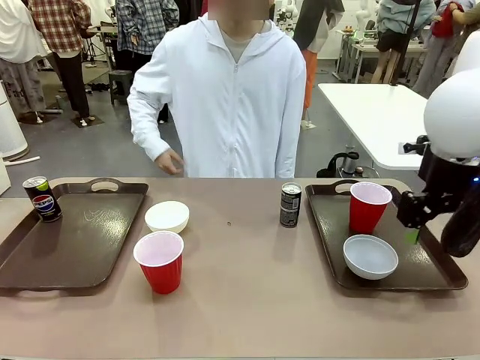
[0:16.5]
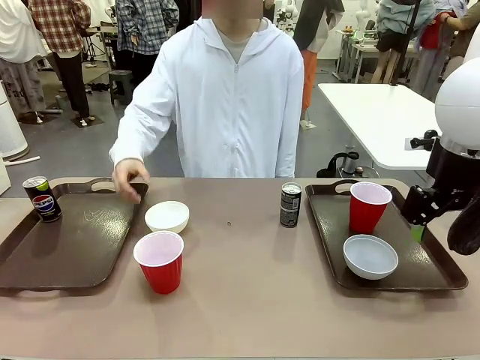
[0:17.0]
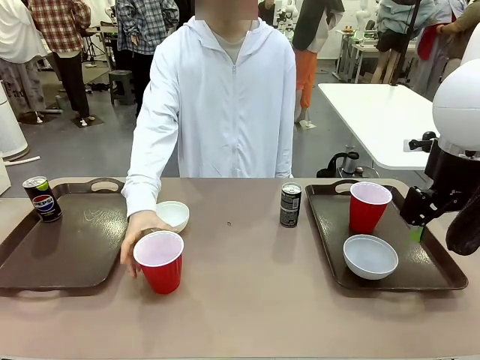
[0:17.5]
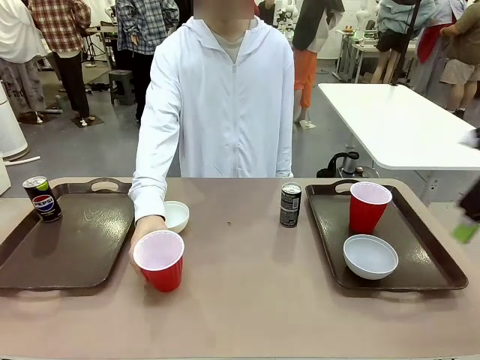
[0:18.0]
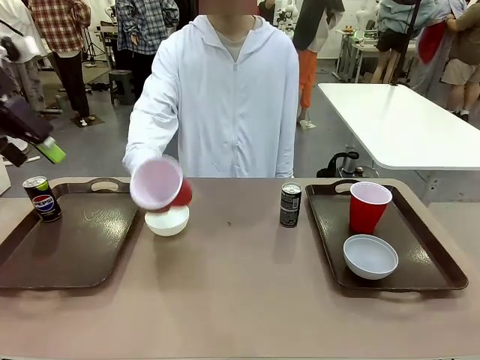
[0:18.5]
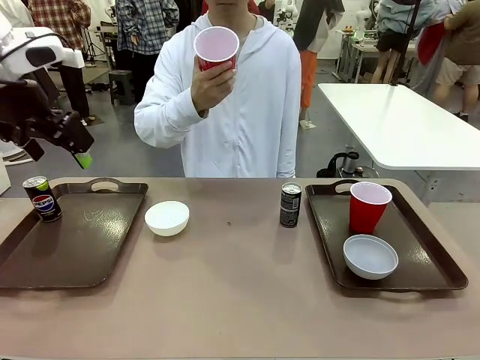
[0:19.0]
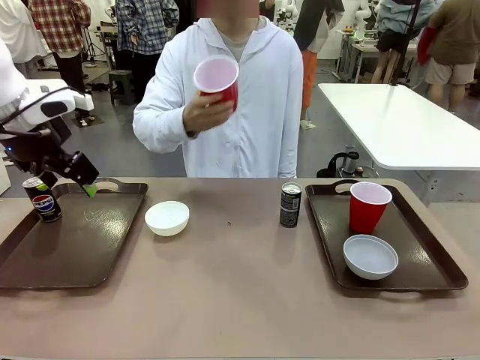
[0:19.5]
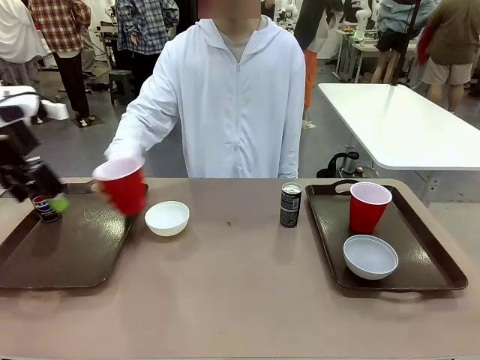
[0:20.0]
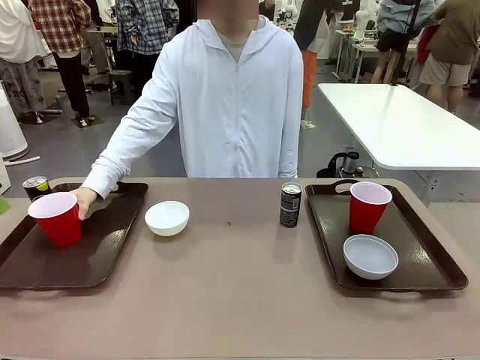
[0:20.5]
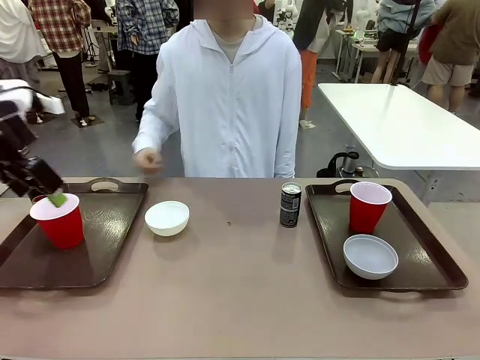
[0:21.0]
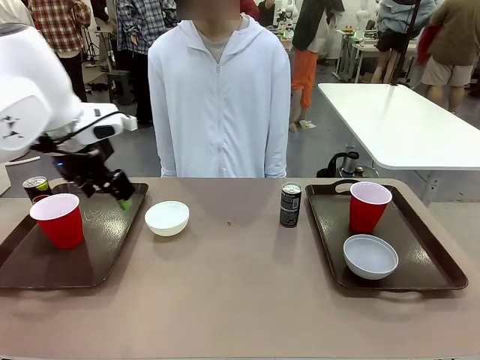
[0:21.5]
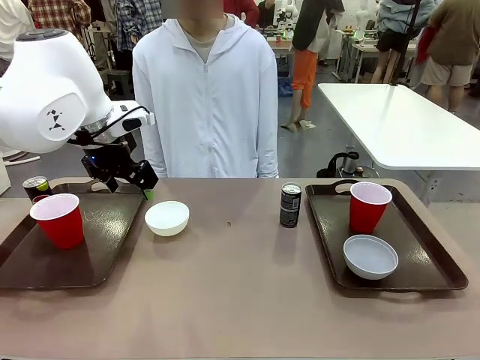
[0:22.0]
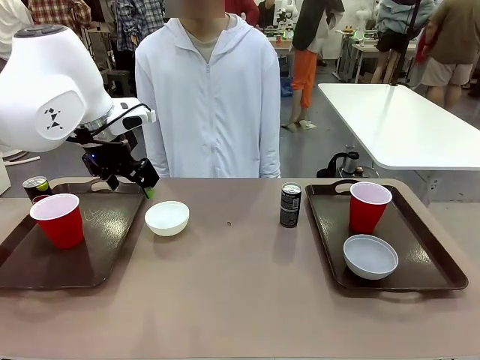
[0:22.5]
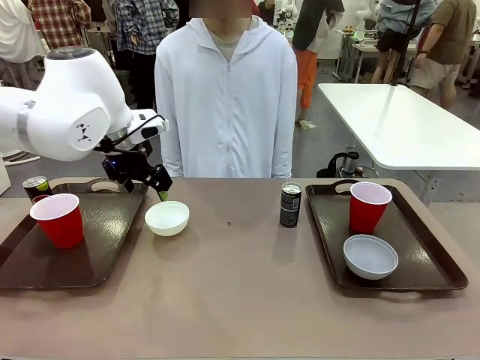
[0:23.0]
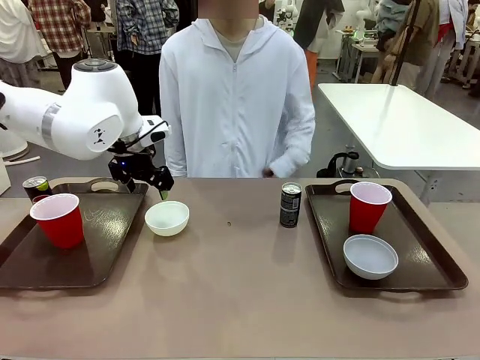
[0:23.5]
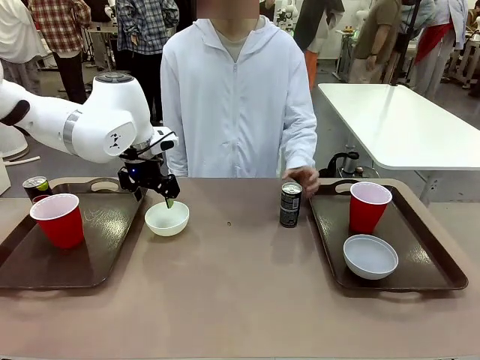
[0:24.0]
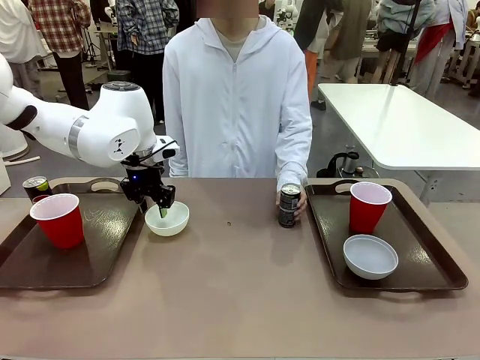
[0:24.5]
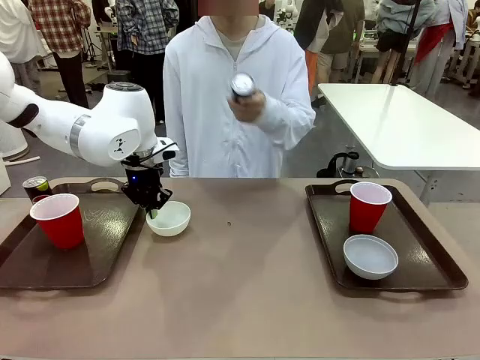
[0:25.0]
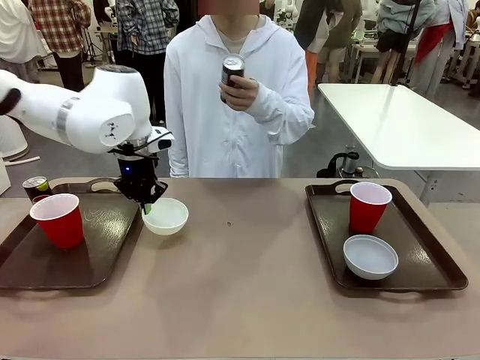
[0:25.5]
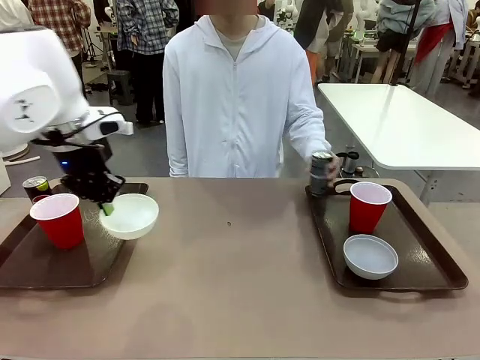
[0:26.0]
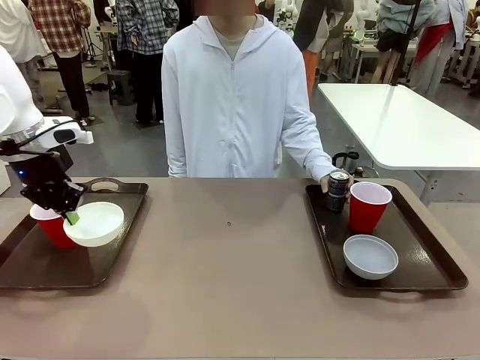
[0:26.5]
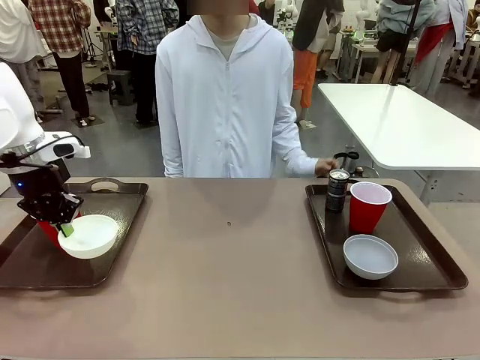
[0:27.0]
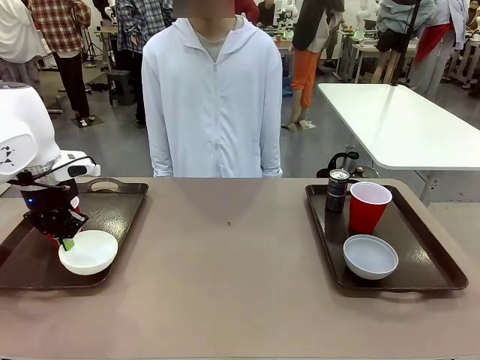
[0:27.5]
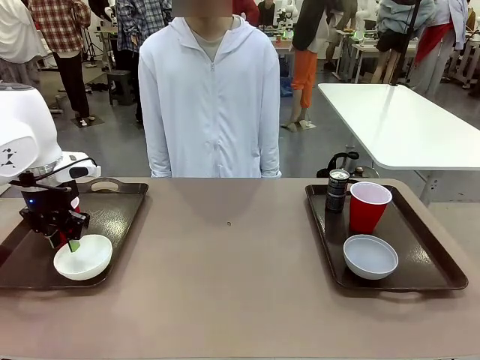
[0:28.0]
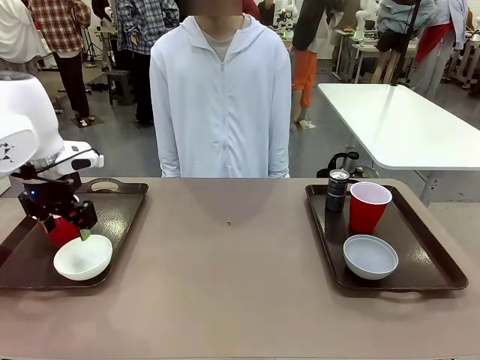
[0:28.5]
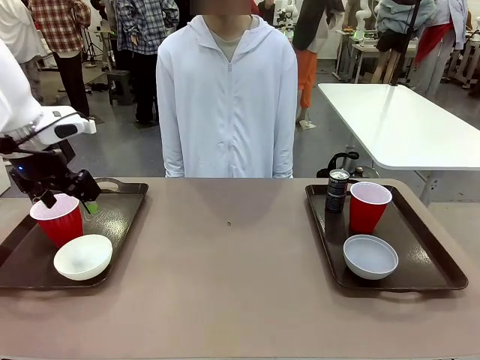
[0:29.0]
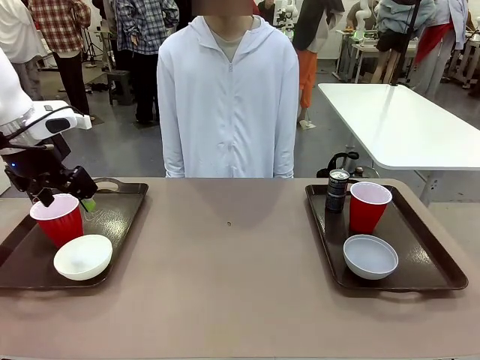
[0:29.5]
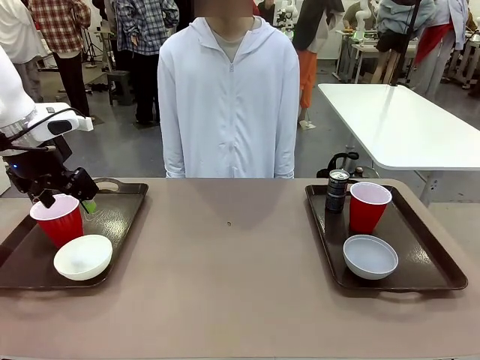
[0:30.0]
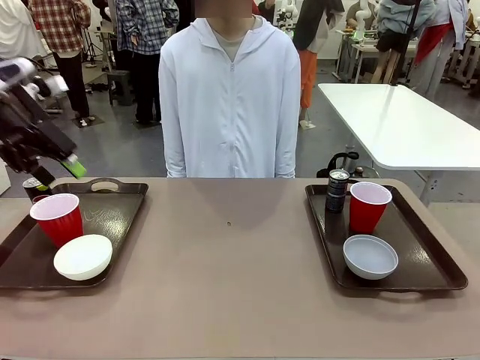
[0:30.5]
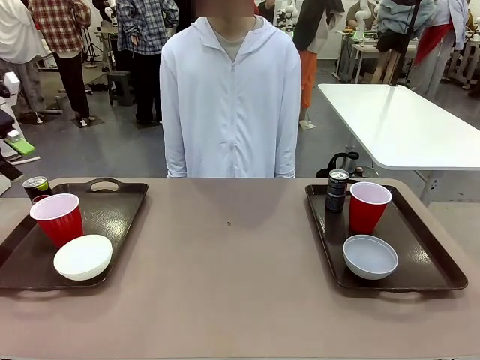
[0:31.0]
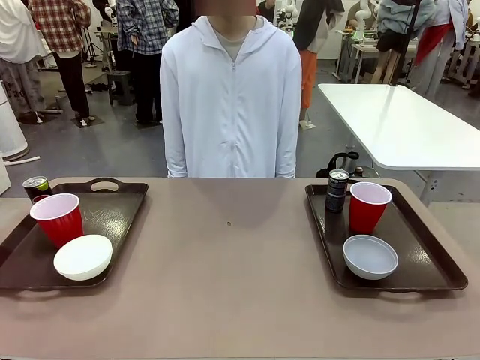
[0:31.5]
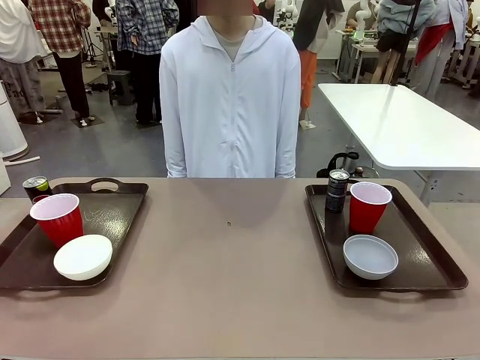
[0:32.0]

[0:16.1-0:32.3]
Task: Prepare tableware on both trays.
Robot: Pick up a Picnic Bowl from the table and place it on a Handle tray.
Person: Pick up a can or cup and place it on the tray without a can or cup.
